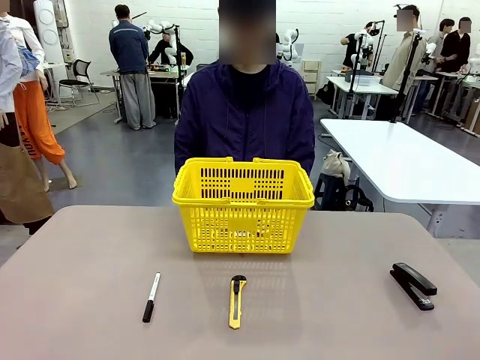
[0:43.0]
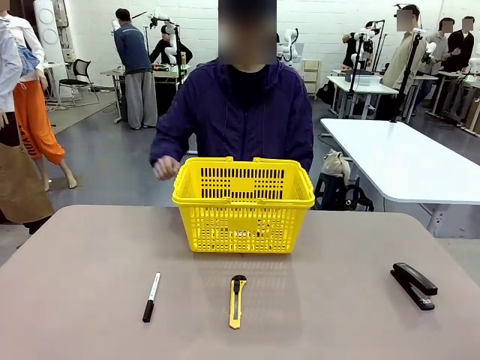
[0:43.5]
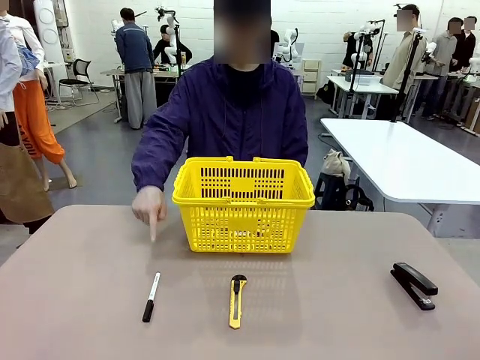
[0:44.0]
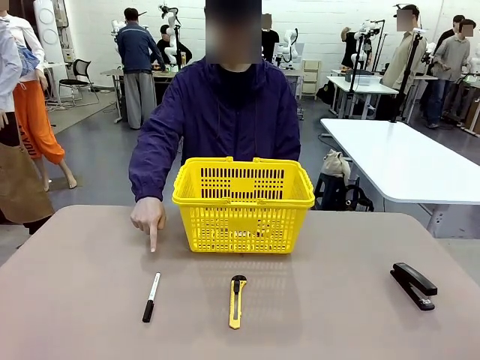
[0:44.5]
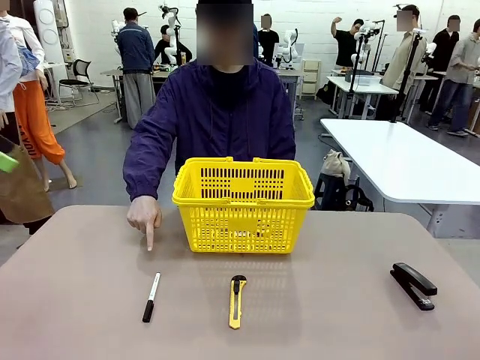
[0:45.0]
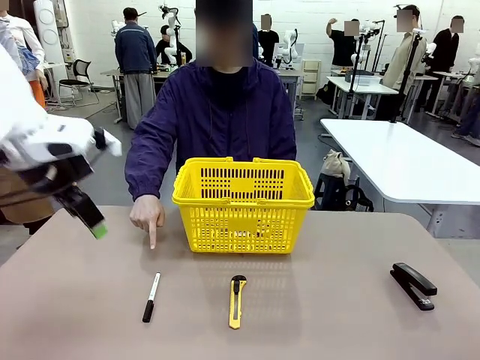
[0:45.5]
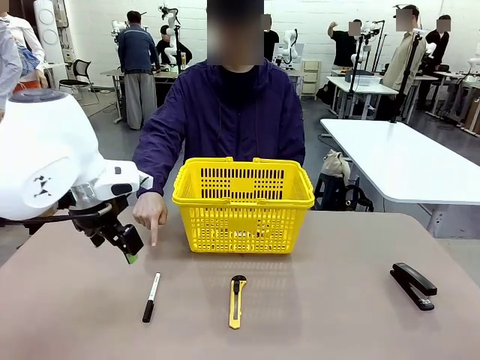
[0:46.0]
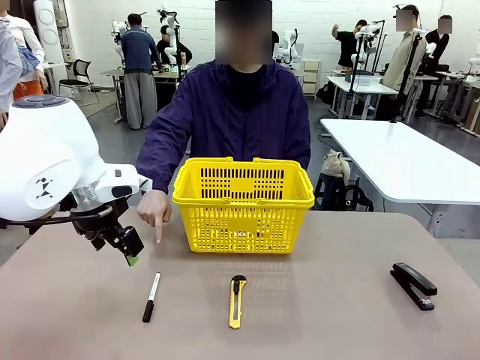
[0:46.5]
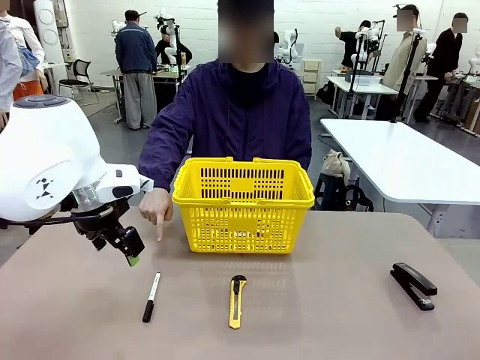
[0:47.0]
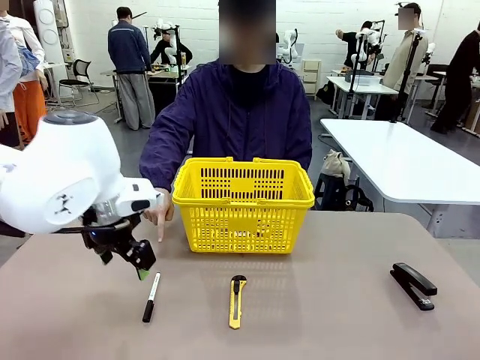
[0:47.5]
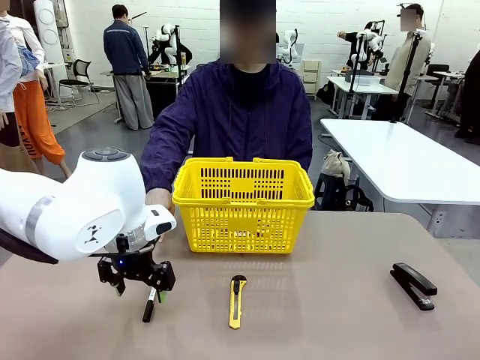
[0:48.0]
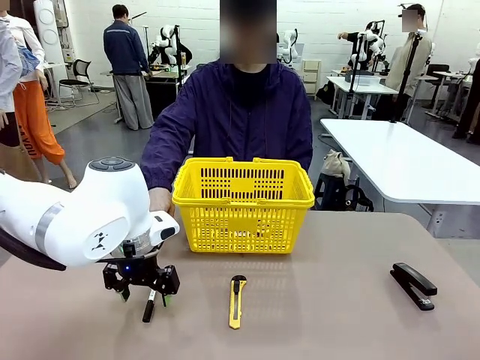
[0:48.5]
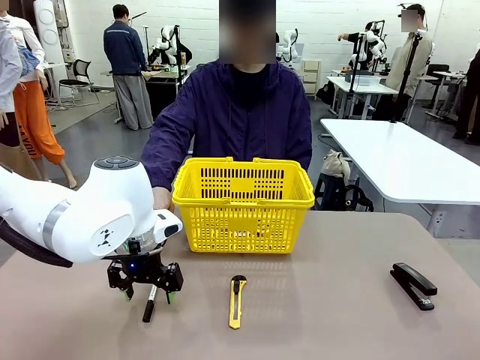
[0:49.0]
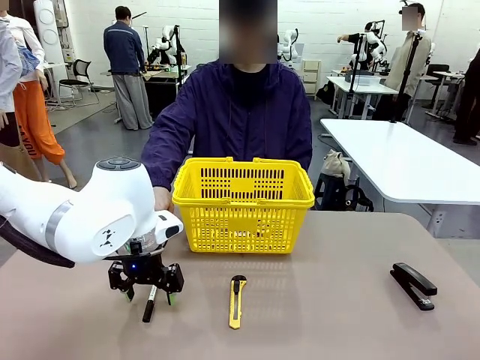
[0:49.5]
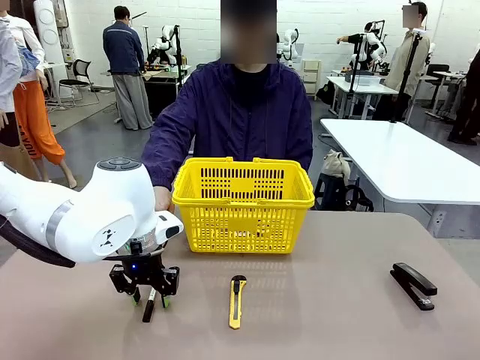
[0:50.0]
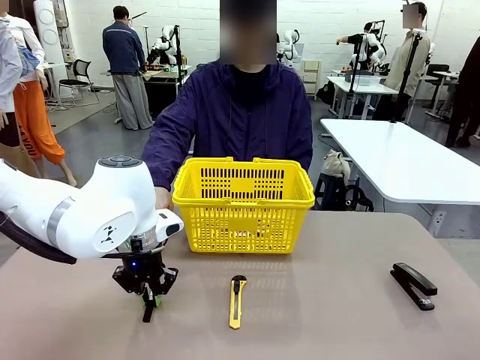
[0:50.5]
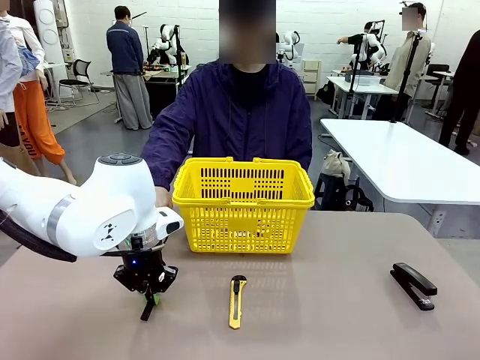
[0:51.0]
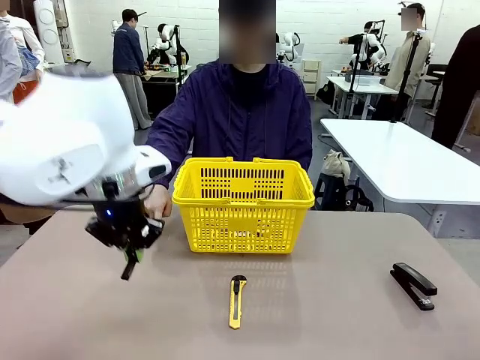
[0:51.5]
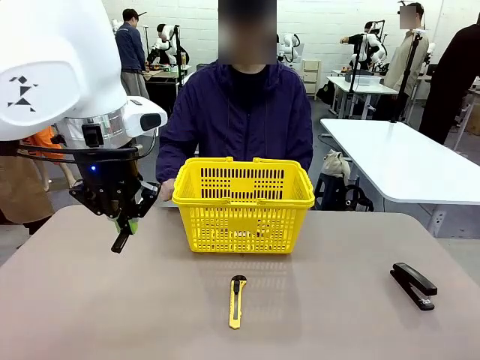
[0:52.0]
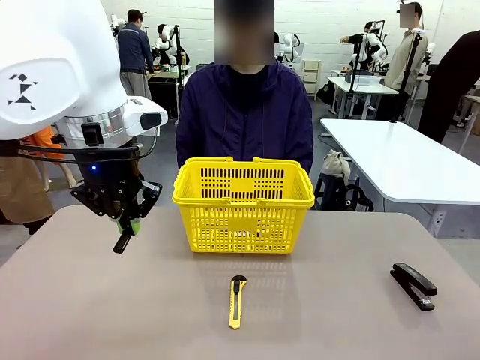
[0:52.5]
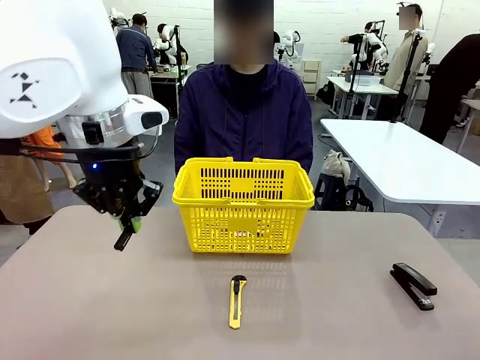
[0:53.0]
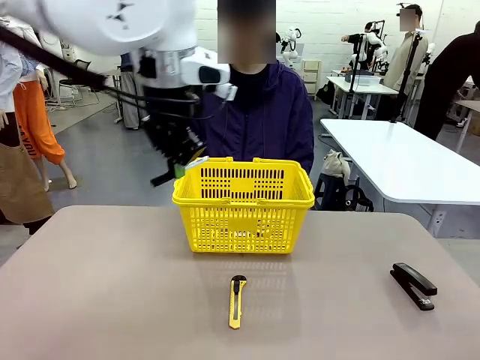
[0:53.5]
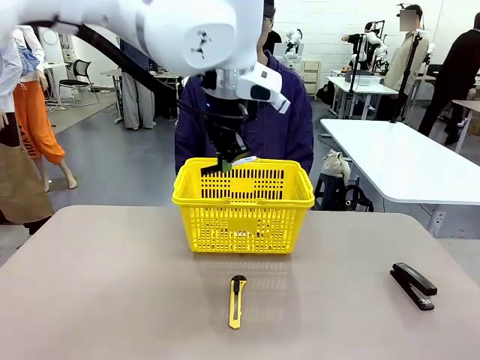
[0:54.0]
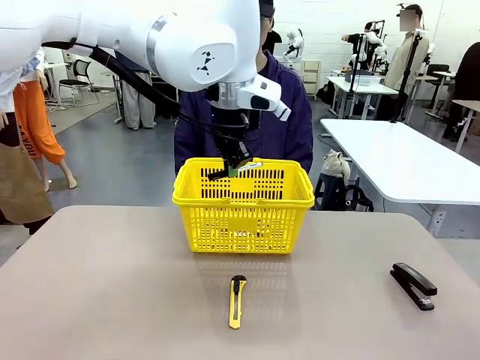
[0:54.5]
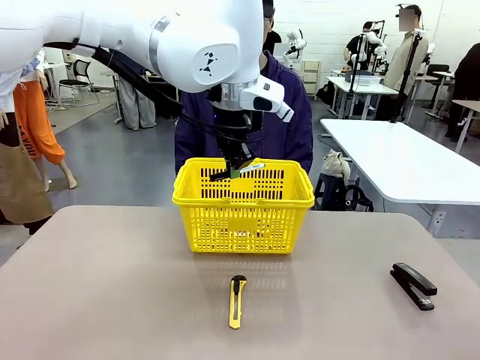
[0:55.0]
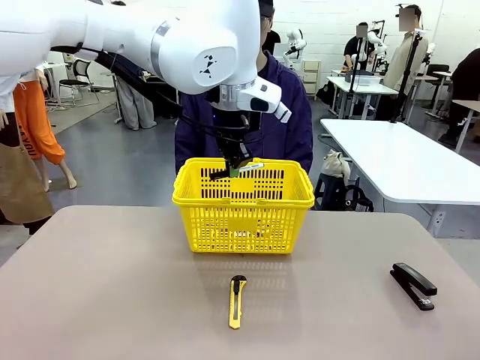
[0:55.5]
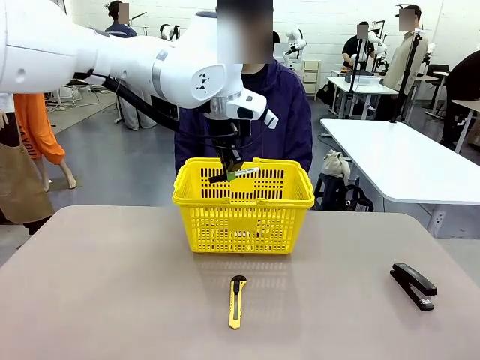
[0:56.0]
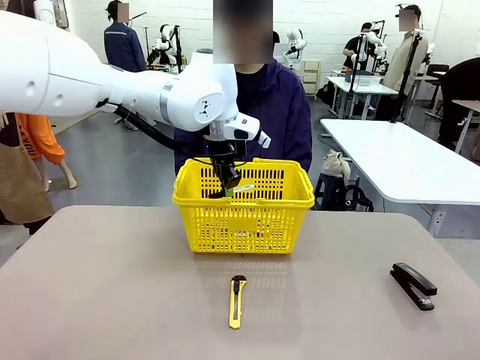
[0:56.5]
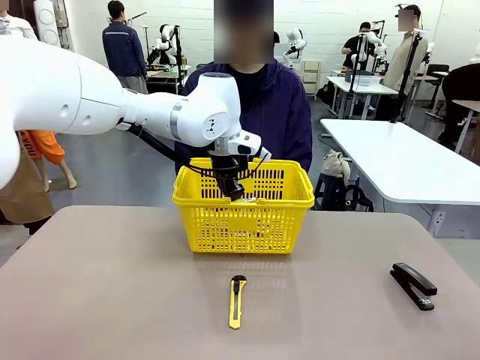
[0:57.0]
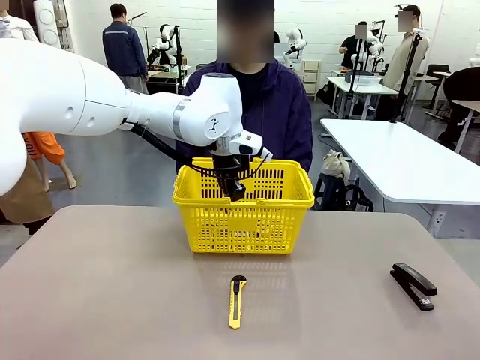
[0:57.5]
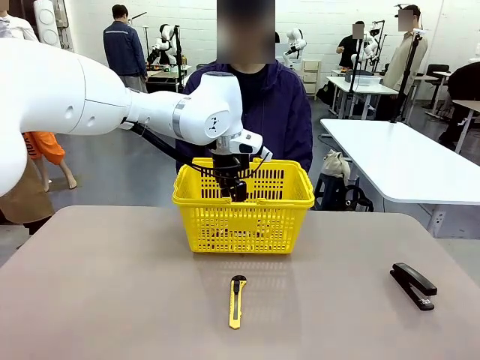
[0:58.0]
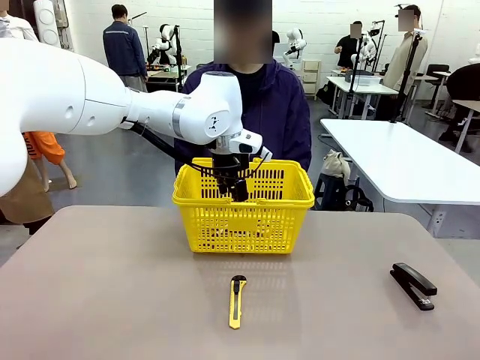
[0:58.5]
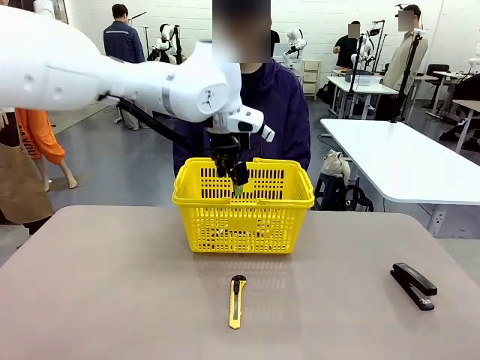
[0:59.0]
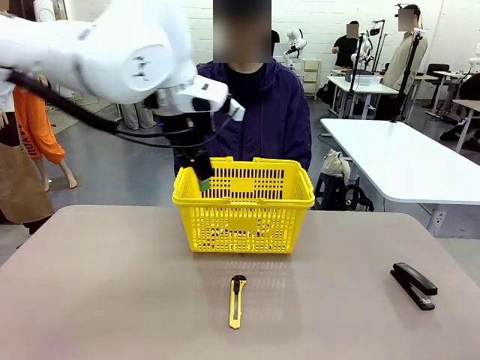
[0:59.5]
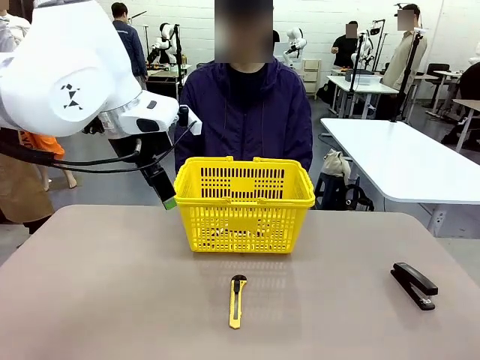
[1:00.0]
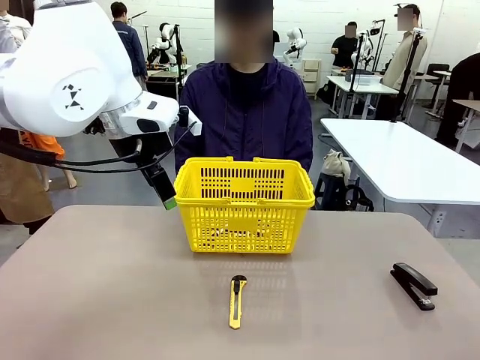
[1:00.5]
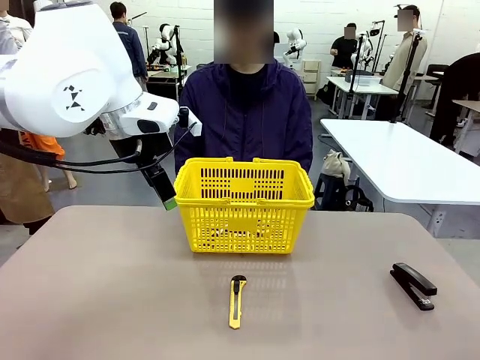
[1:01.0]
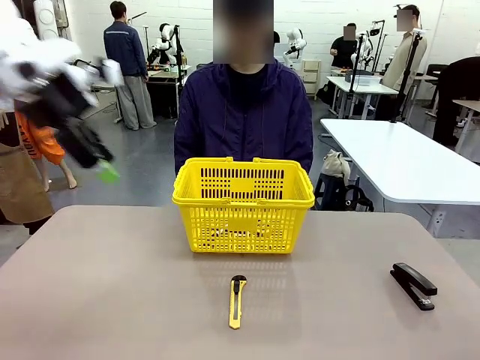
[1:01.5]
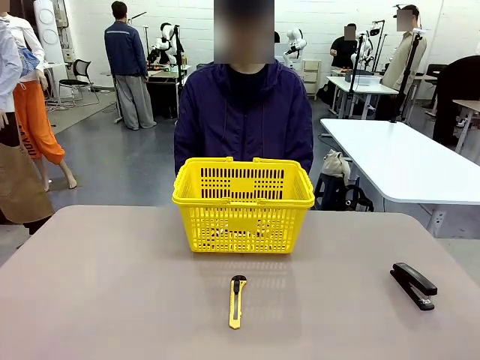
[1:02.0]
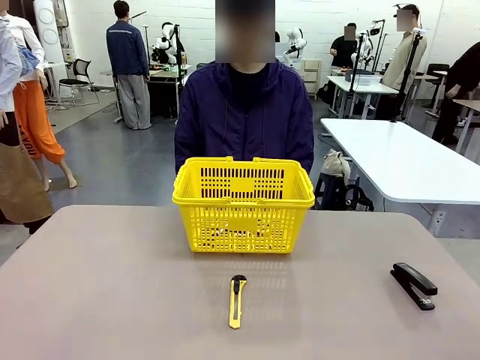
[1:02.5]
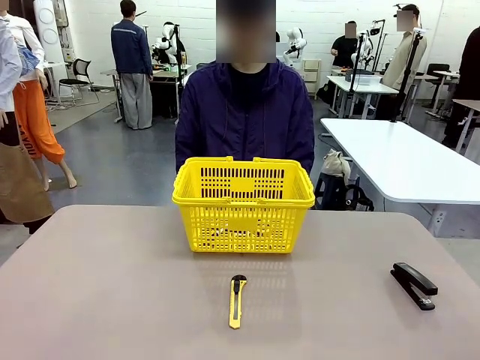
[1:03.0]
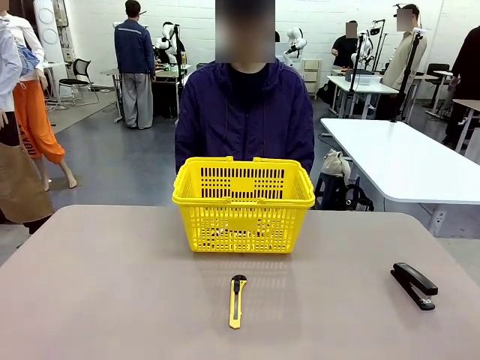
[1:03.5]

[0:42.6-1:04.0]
Task: Place the items the person wants into the basket.
Robot: Pick up the item the person points to and place it in the Market Basket.

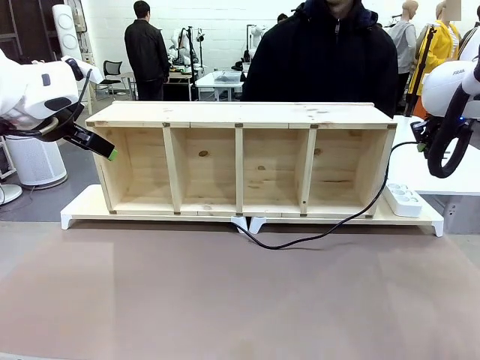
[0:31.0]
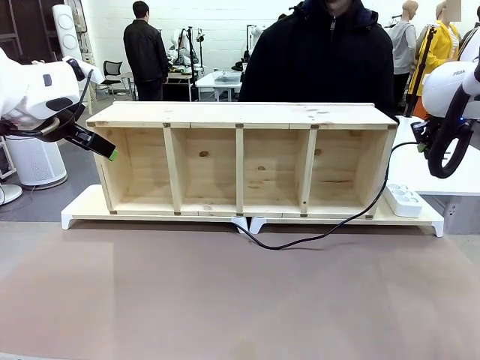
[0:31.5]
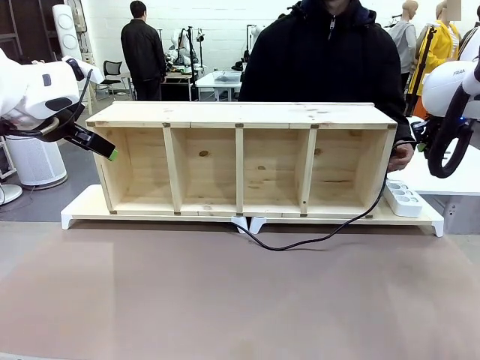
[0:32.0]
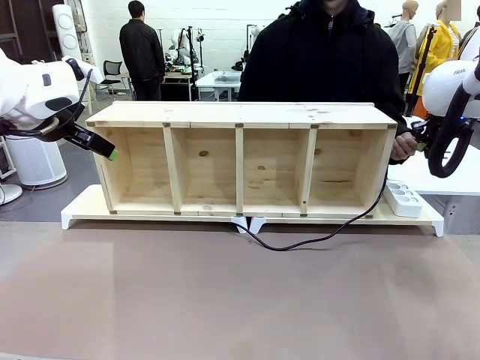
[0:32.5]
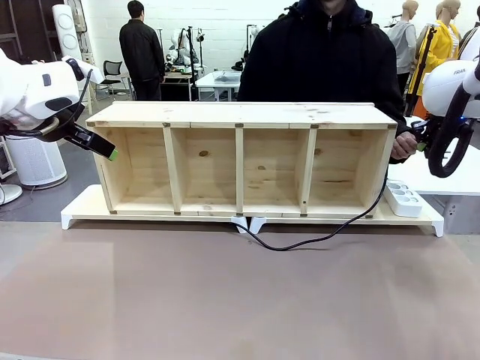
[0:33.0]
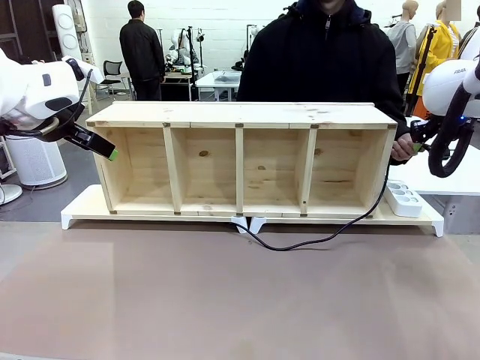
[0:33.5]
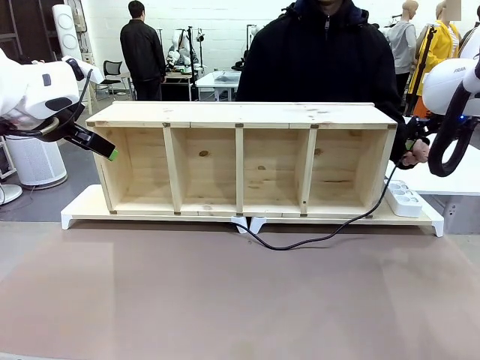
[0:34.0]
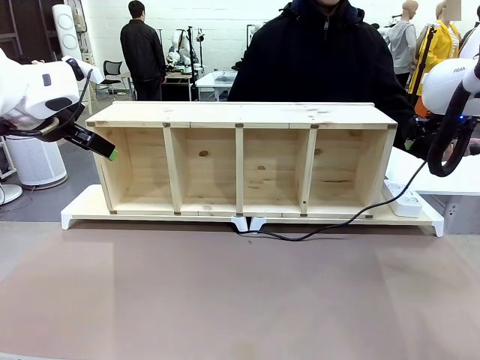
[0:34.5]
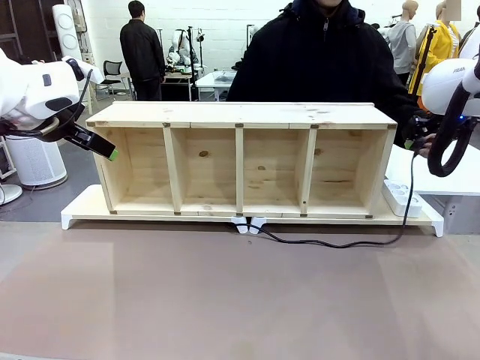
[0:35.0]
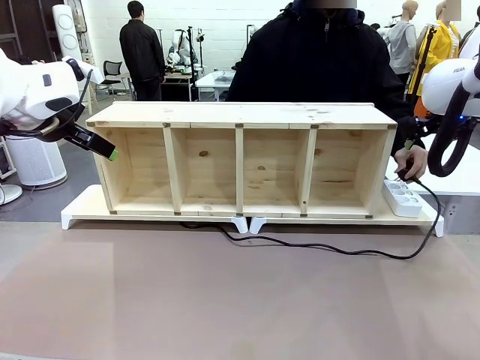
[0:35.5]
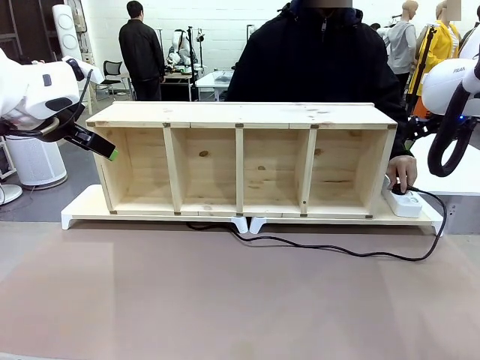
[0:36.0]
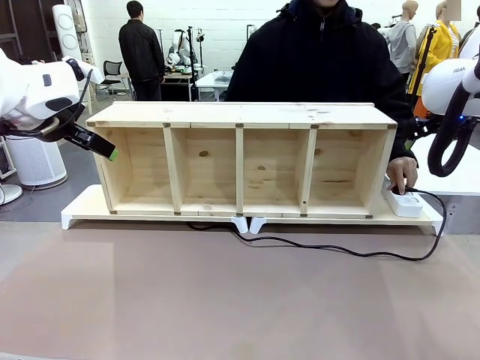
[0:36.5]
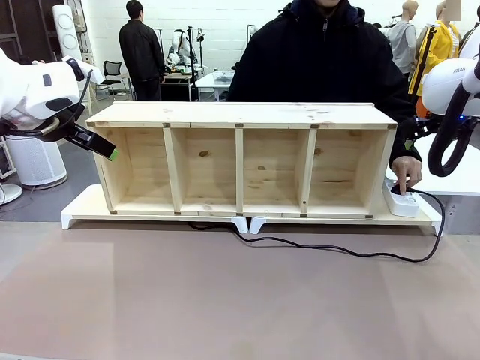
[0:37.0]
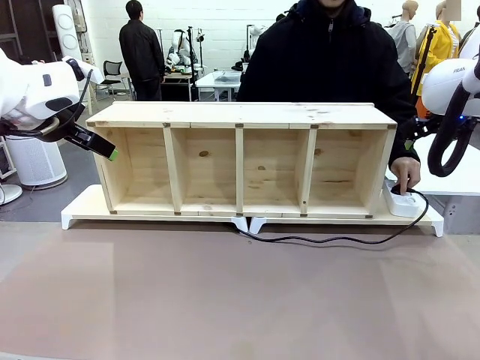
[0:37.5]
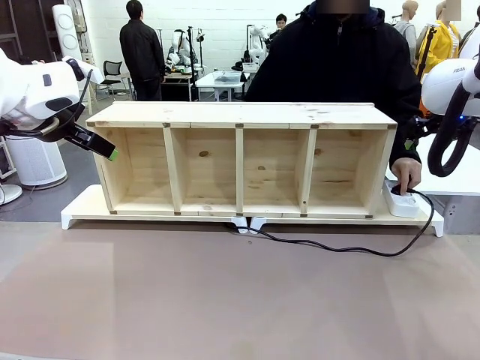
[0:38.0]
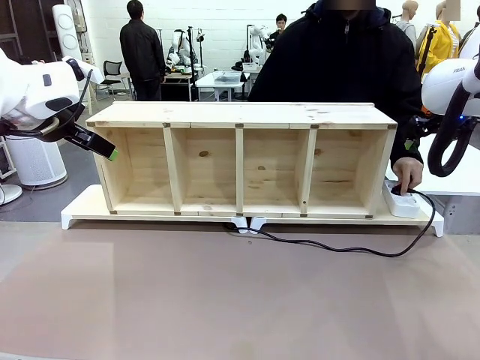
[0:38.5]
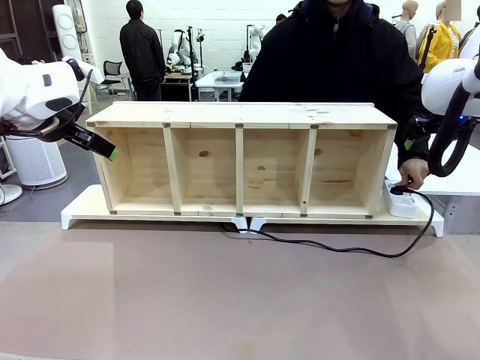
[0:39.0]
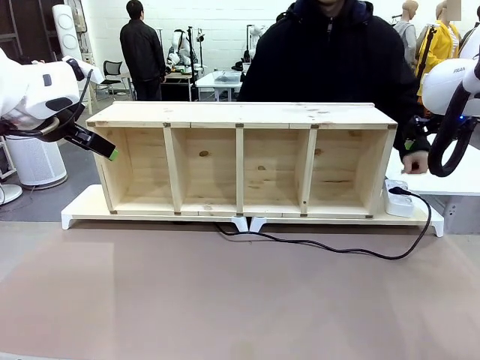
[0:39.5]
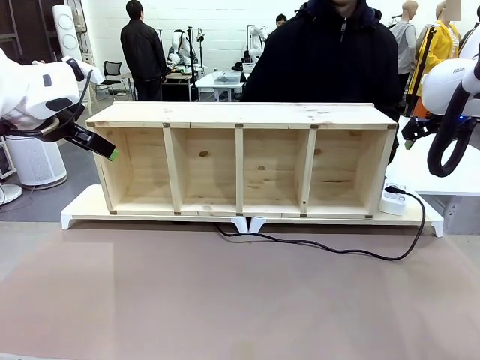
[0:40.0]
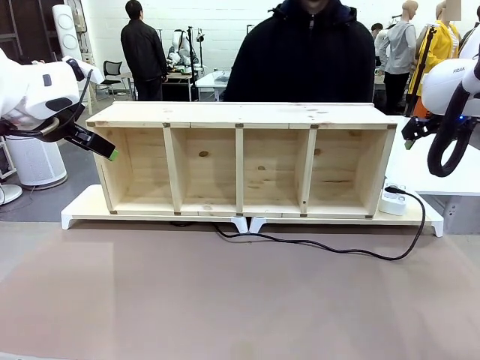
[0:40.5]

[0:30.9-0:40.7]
Task: Perform cable management.
Robot: Release the Power Cable when the human grasps it.
Person: Plug the Power Cable into the Power Strip.
